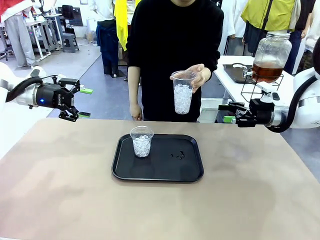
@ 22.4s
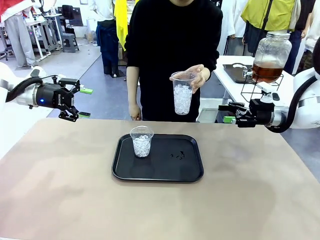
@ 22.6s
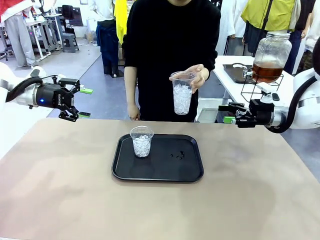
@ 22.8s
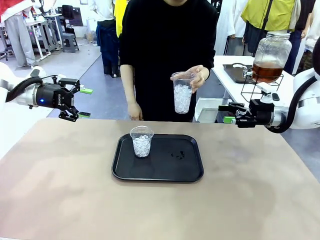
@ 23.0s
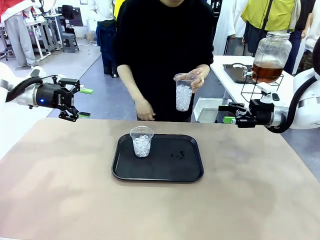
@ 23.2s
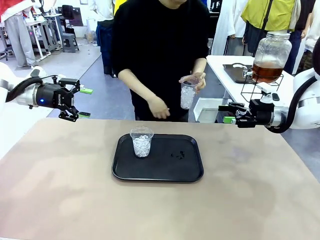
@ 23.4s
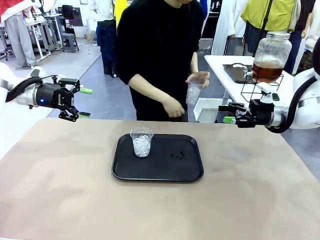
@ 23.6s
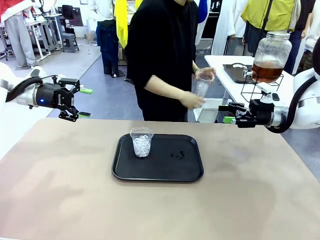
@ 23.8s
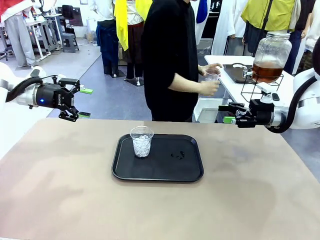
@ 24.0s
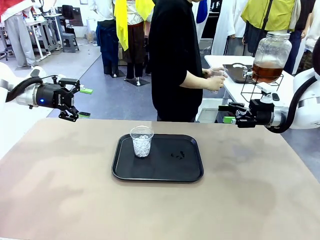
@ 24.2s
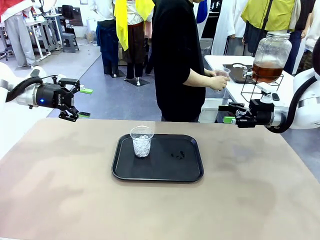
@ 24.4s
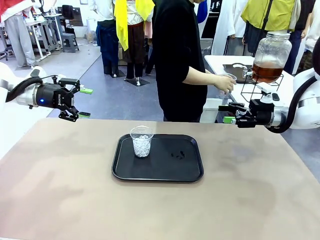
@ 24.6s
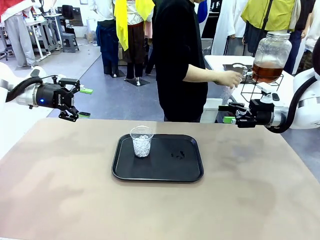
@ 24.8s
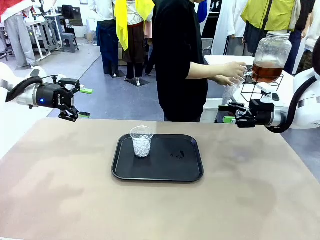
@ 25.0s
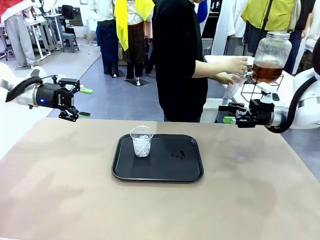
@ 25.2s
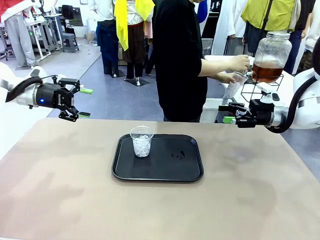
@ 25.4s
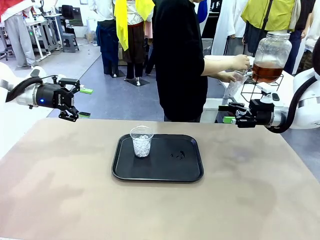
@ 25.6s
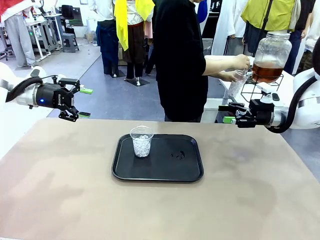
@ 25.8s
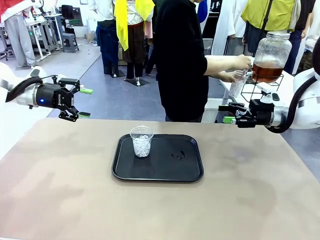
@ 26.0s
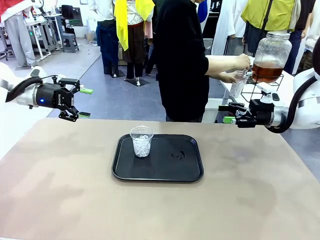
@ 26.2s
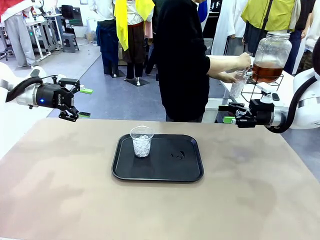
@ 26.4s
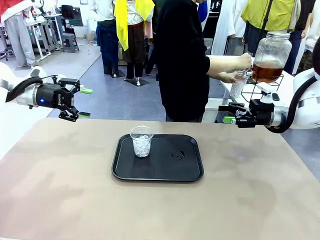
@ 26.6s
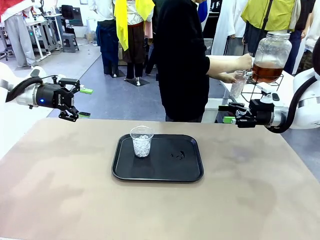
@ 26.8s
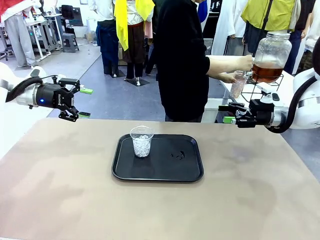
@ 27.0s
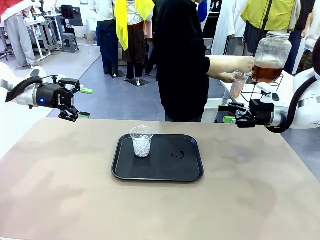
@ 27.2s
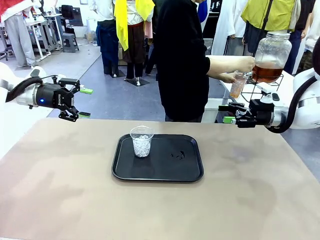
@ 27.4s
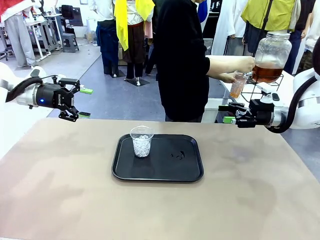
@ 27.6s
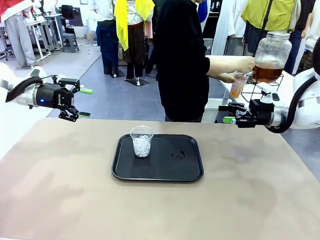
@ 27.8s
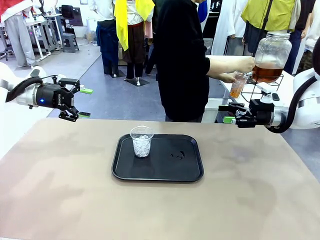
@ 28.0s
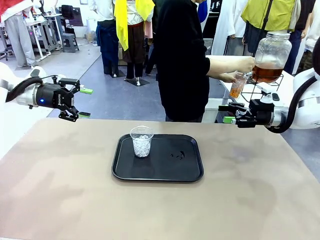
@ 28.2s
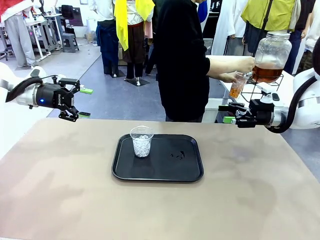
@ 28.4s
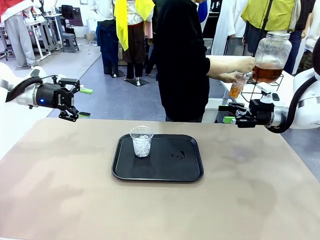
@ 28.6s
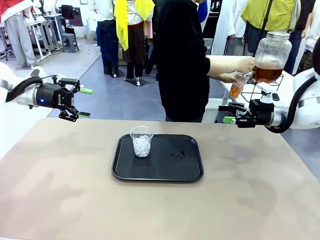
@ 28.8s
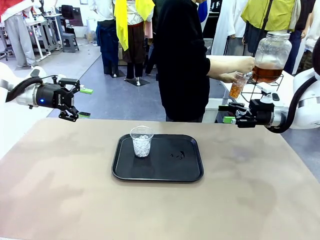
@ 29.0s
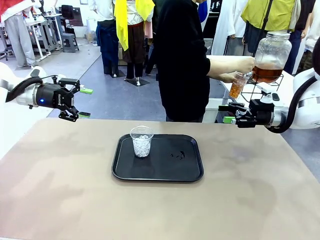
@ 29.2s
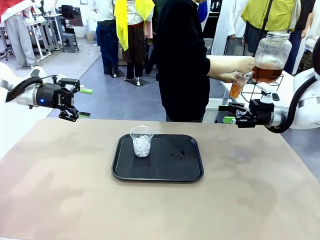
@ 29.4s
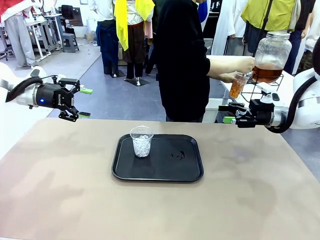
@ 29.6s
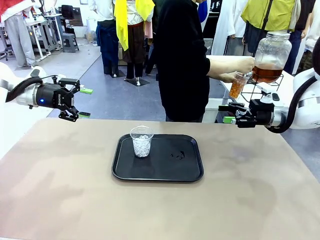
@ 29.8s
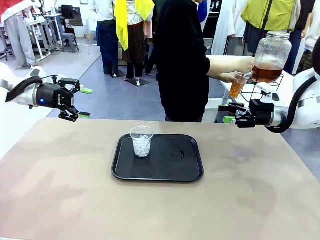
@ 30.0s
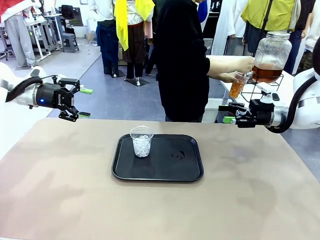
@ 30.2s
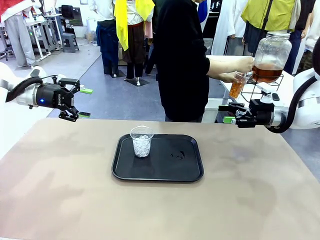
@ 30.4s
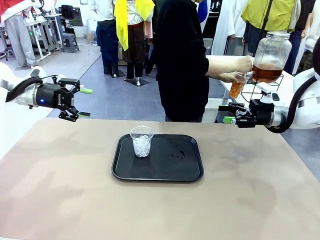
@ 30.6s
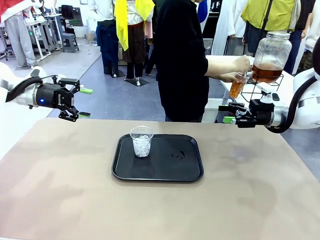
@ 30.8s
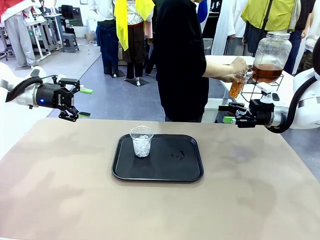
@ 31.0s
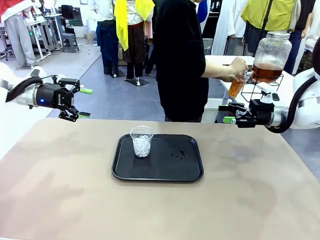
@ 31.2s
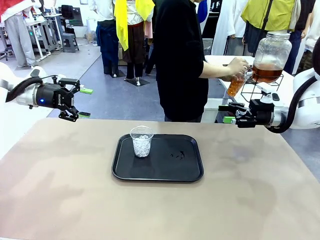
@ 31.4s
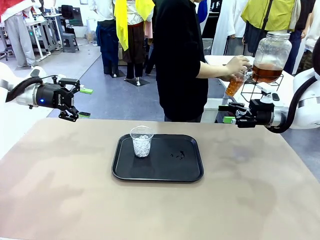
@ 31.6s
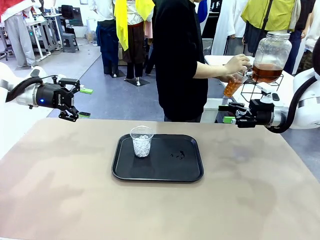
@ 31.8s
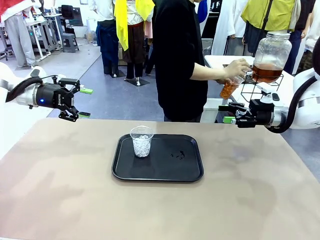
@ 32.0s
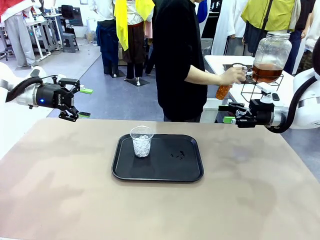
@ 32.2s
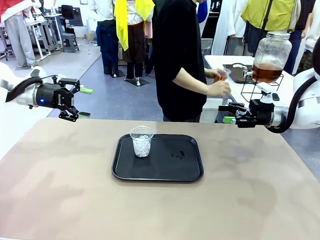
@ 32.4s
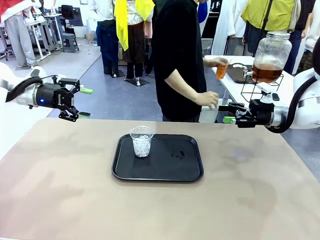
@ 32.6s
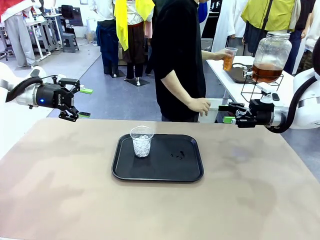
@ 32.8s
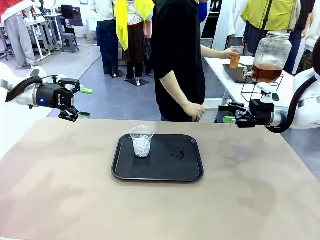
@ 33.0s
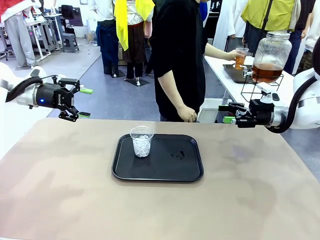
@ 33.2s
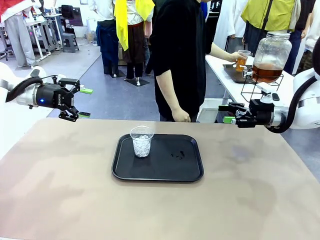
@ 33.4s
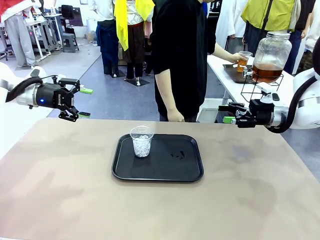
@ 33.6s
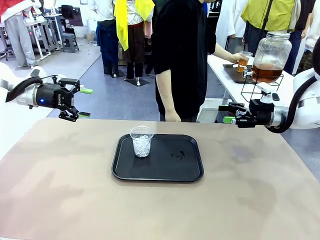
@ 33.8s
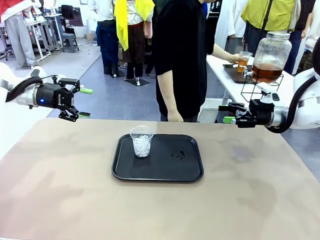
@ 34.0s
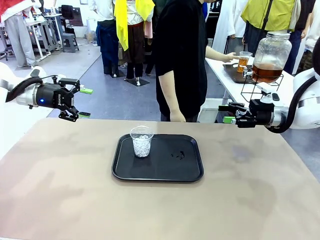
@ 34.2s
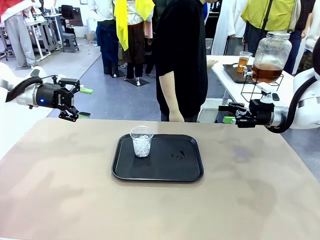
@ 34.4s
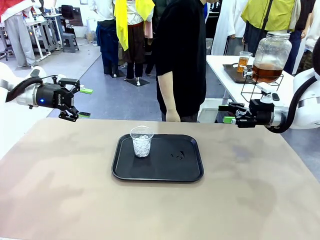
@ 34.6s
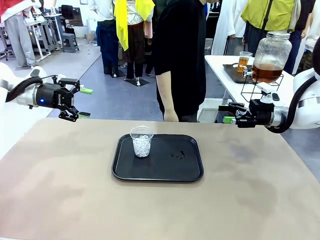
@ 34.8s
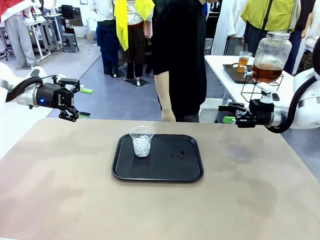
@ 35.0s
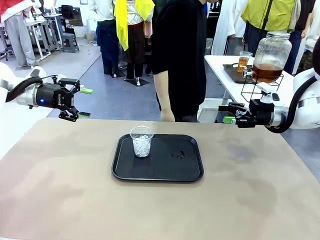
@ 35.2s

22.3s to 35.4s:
Task: Pour the drink into the iced cup.
Robot: Pick up the iced cup indicated by the human and present it to them.
Person: Move the picked-up cup under the dispenser faucet, pour the drink, and place it on the tray on the human table.

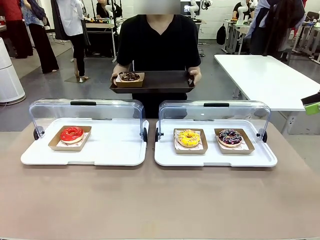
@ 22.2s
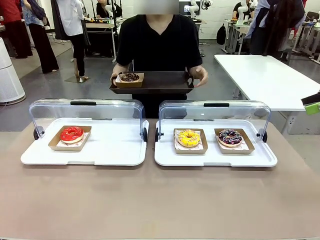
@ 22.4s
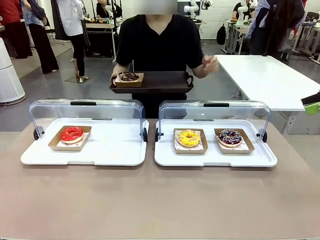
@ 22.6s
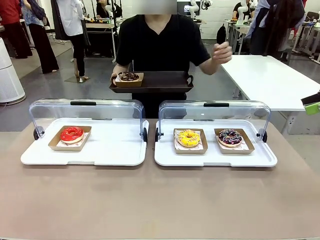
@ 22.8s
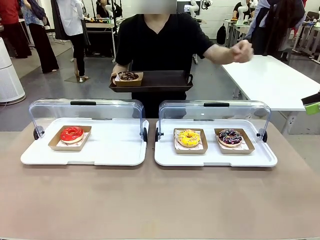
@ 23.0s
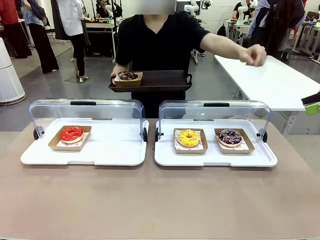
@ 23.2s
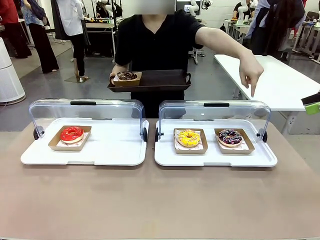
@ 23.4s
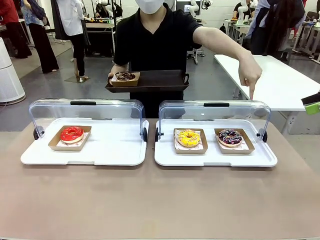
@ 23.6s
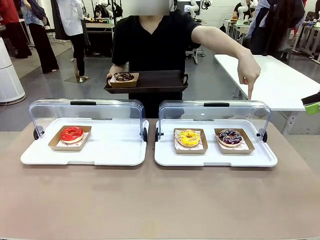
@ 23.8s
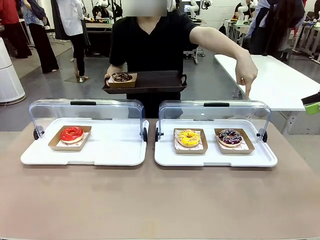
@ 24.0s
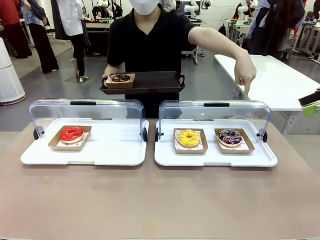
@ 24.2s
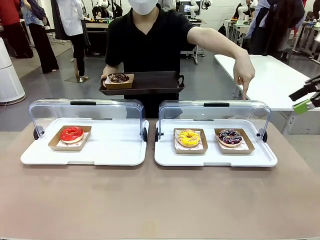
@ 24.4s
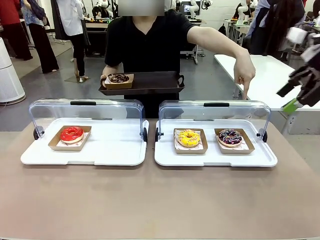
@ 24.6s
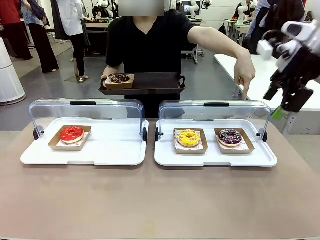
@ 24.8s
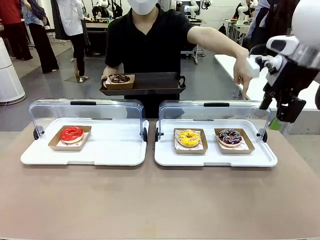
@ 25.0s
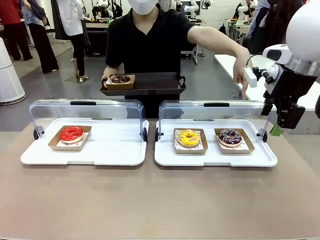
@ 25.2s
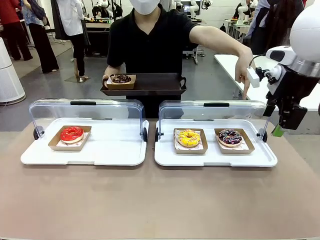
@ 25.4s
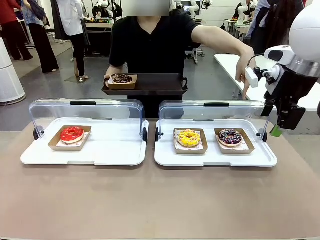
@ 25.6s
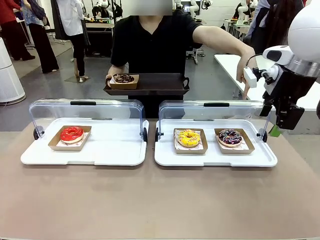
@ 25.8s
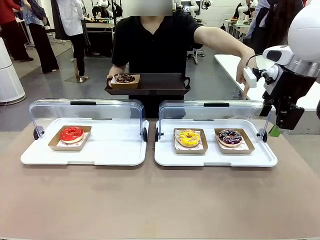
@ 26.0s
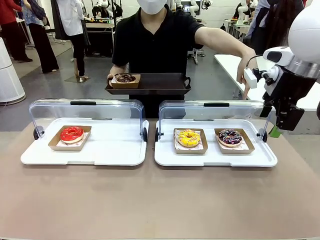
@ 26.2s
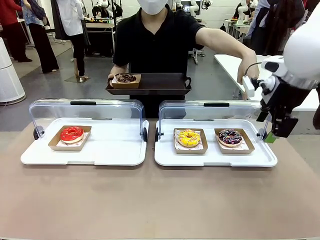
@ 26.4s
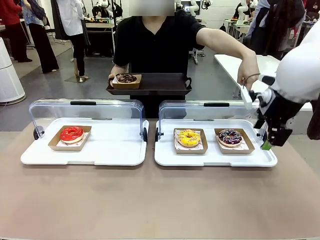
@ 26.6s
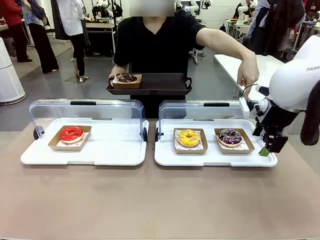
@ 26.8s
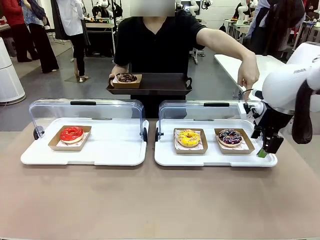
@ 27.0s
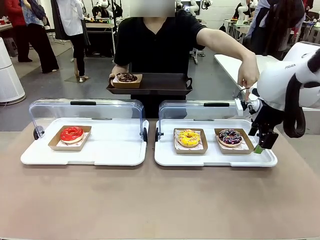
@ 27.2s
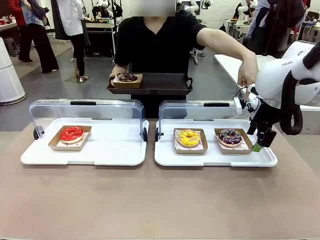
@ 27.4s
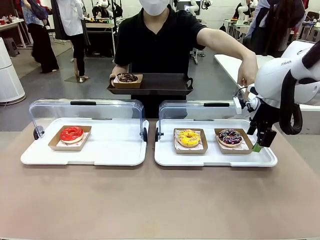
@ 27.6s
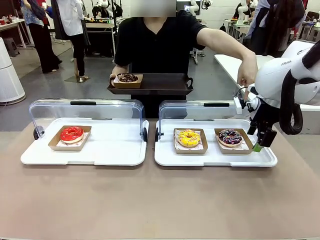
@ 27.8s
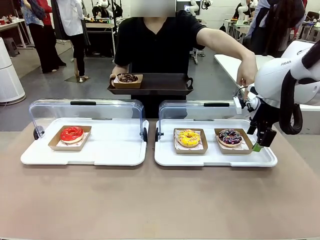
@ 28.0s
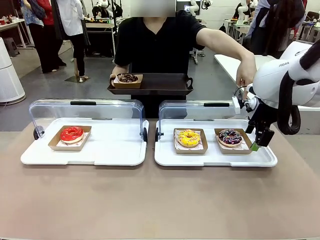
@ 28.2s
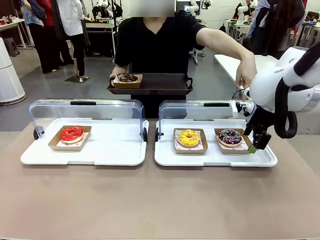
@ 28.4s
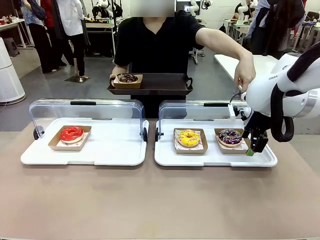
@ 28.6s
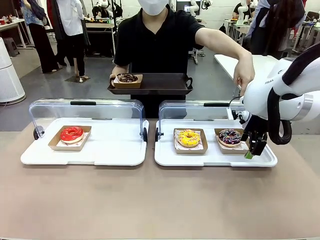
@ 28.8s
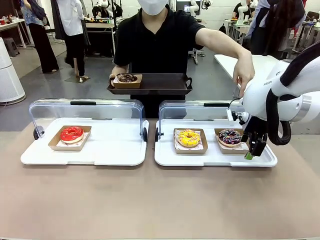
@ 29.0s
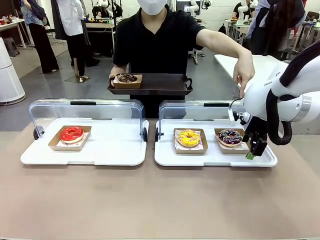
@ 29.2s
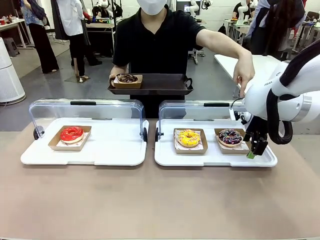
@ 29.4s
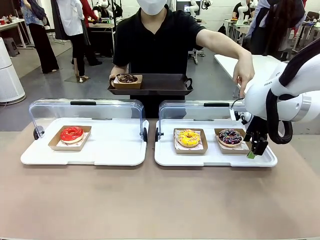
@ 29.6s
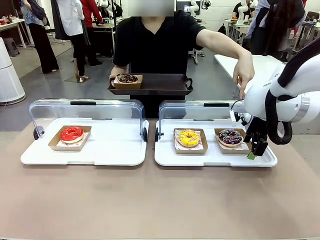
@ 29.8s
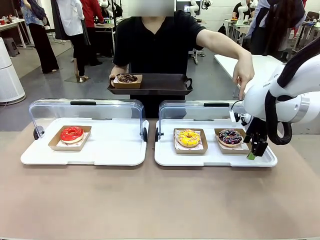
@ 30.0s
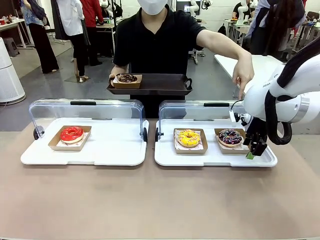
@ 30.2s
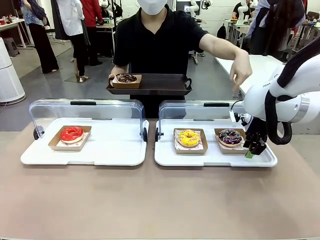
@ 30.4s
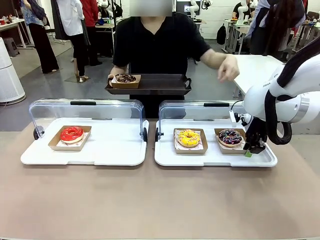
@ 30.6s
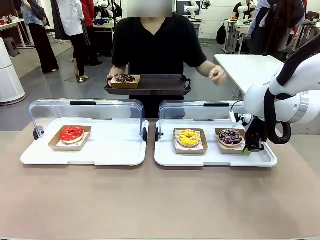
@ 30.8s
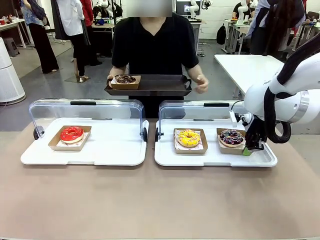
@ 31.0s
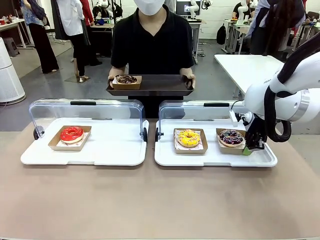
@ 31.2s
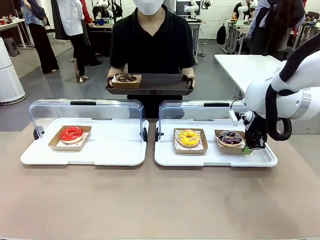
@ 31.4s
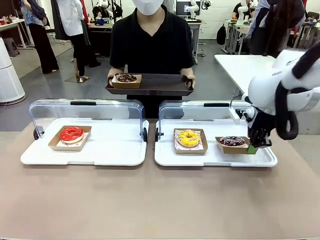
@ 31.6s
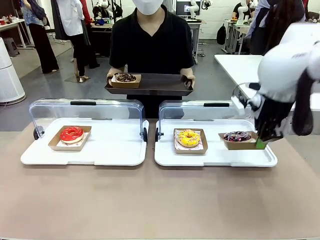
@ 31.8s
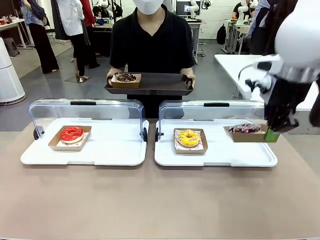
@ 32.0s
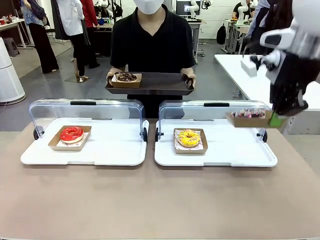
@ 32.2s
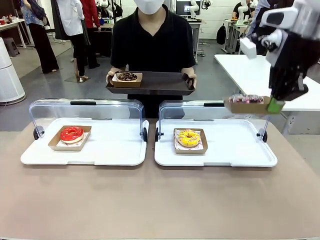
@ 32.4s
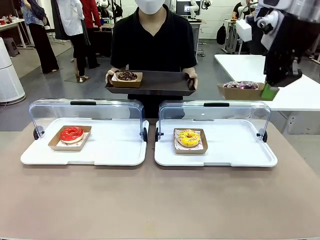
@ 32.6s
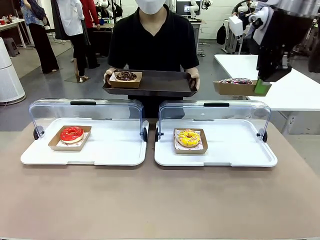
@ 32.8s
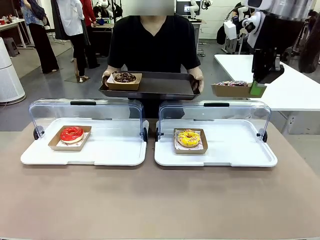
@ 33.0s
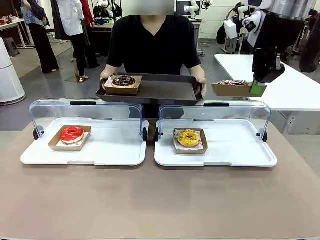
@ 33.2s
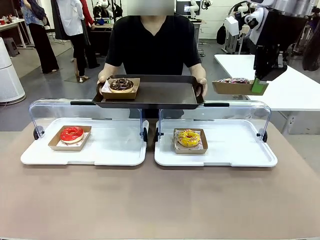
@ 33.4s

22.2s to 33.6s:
Task: Provide the desired donut to the person.
Robot: Pick up and lift the Paper togo box containing the Donut pointed at by the person.
Person: Lift the tray onto the Roll-Top Bakery Case.
